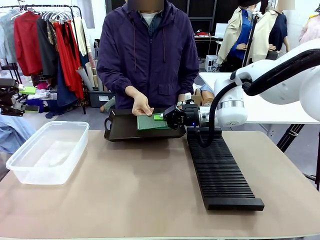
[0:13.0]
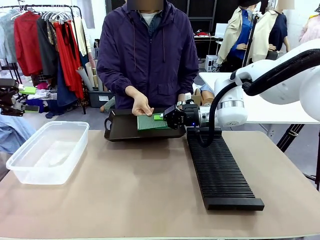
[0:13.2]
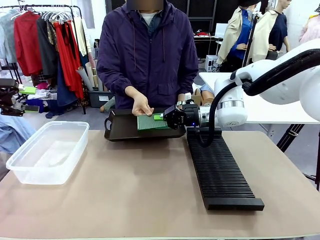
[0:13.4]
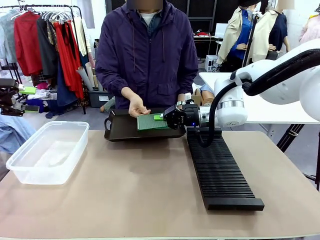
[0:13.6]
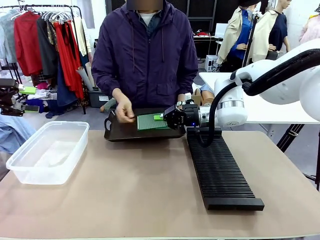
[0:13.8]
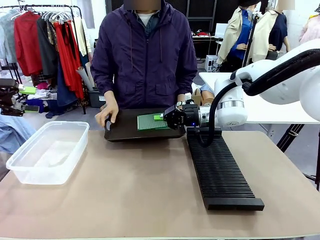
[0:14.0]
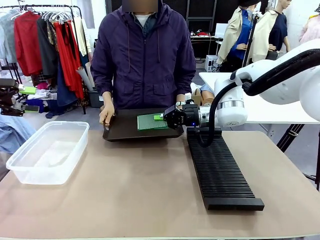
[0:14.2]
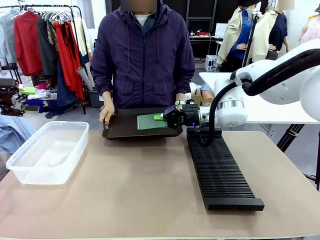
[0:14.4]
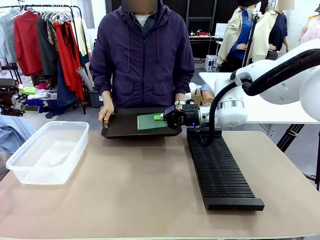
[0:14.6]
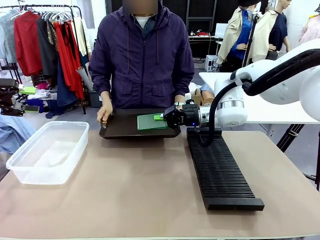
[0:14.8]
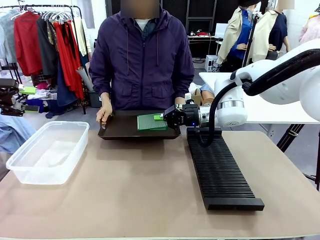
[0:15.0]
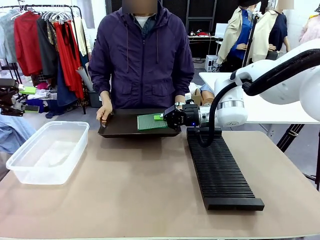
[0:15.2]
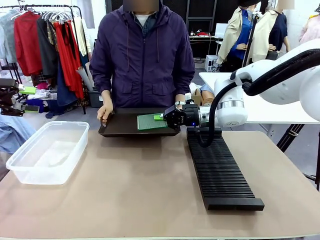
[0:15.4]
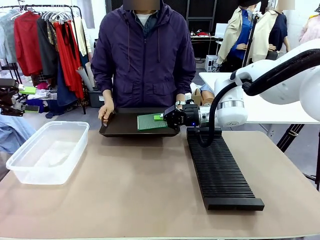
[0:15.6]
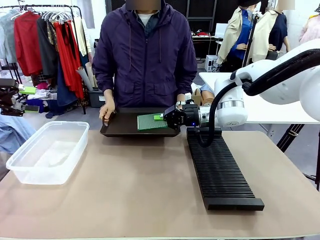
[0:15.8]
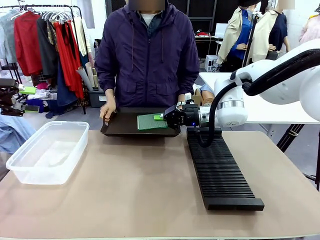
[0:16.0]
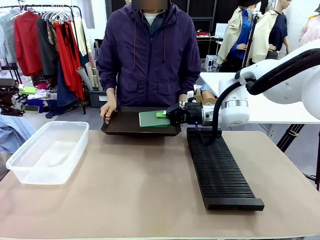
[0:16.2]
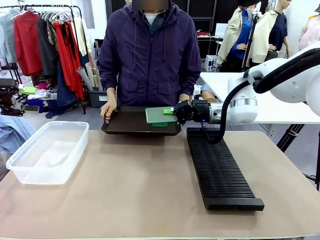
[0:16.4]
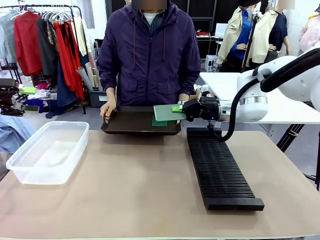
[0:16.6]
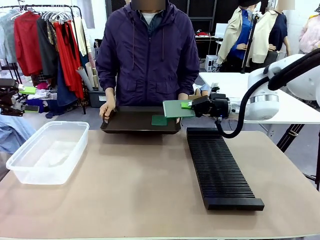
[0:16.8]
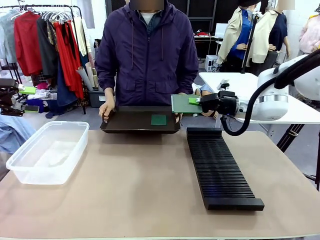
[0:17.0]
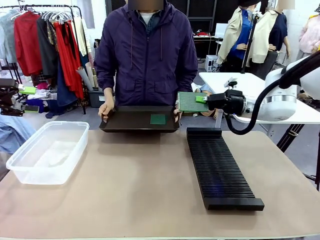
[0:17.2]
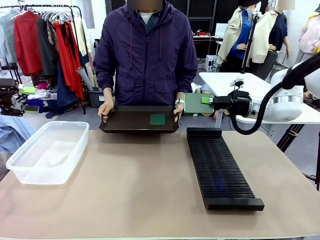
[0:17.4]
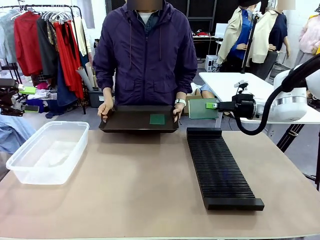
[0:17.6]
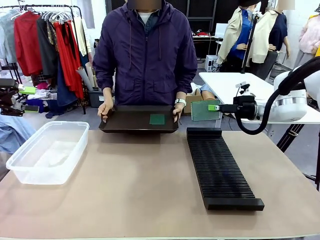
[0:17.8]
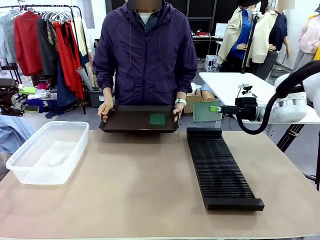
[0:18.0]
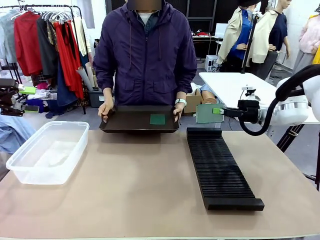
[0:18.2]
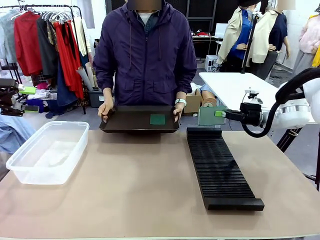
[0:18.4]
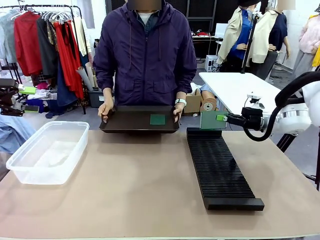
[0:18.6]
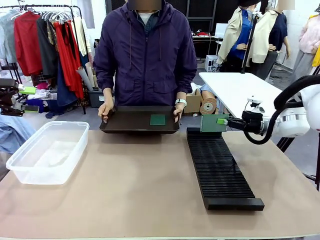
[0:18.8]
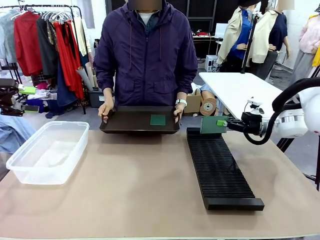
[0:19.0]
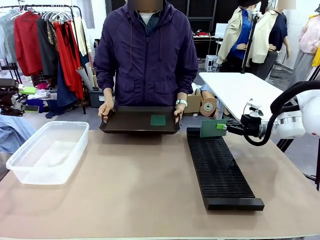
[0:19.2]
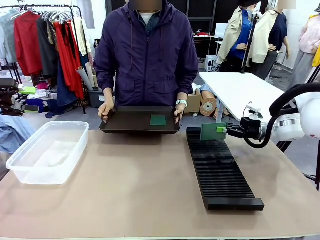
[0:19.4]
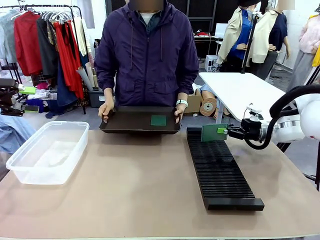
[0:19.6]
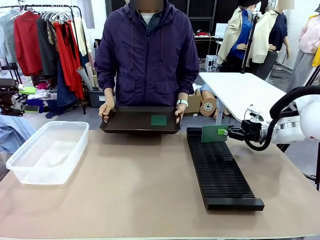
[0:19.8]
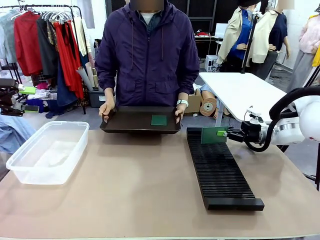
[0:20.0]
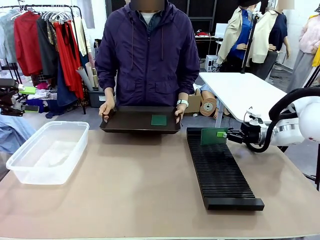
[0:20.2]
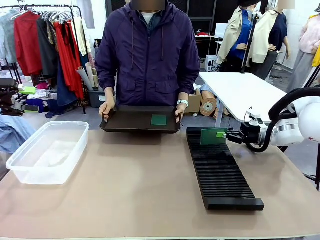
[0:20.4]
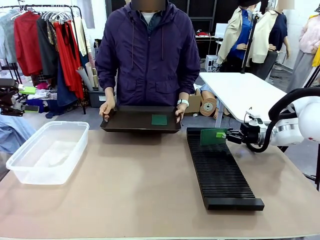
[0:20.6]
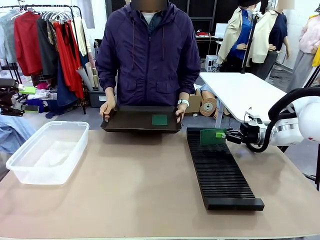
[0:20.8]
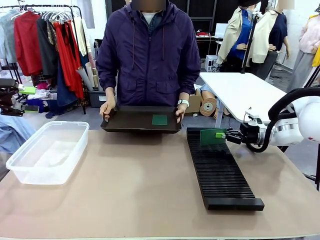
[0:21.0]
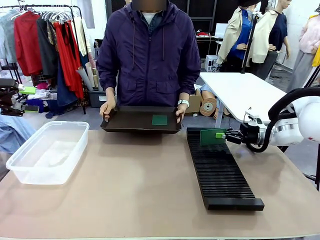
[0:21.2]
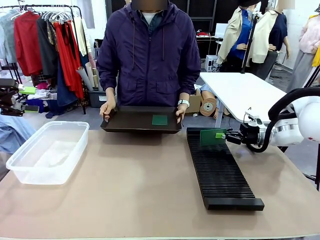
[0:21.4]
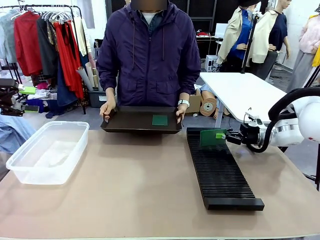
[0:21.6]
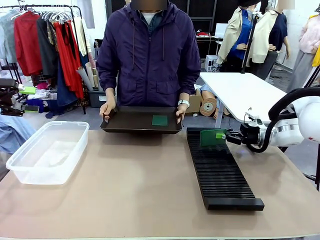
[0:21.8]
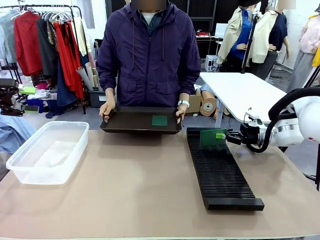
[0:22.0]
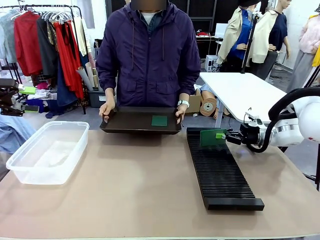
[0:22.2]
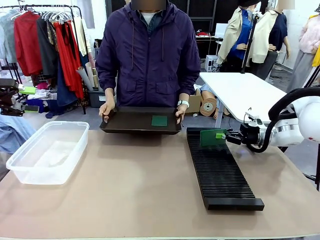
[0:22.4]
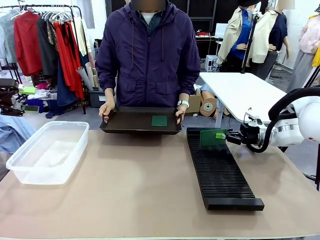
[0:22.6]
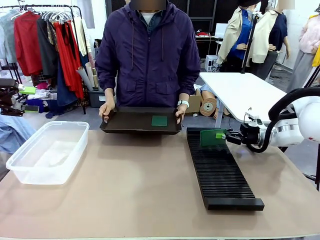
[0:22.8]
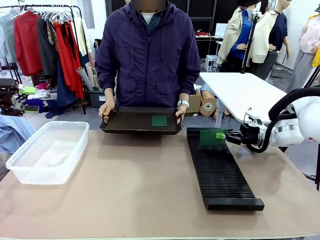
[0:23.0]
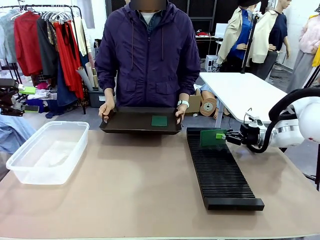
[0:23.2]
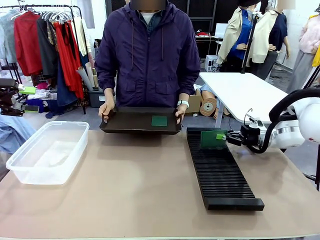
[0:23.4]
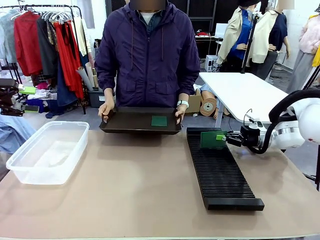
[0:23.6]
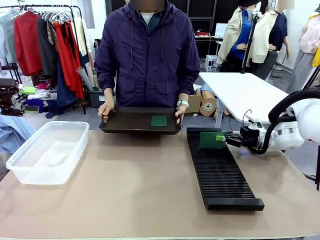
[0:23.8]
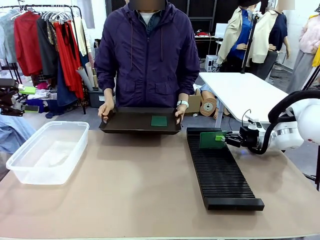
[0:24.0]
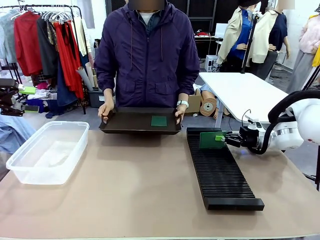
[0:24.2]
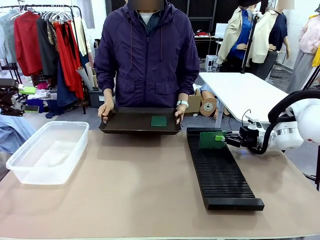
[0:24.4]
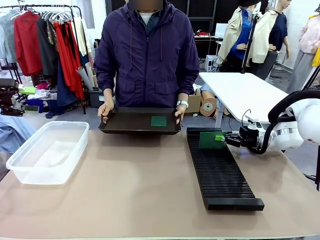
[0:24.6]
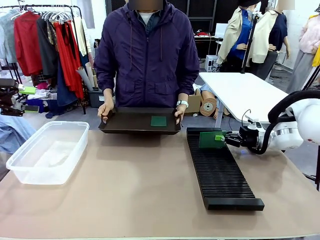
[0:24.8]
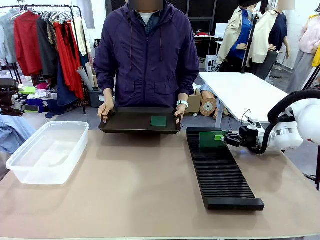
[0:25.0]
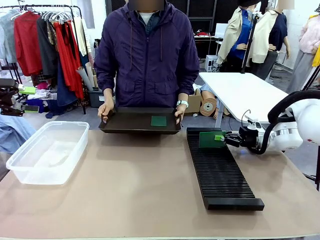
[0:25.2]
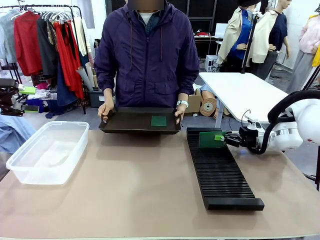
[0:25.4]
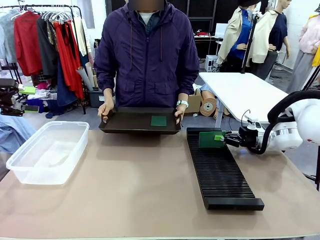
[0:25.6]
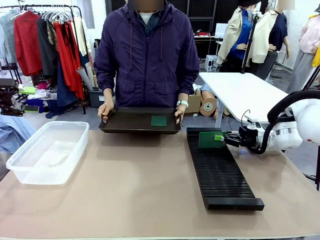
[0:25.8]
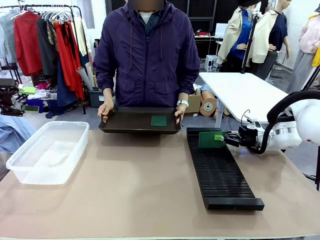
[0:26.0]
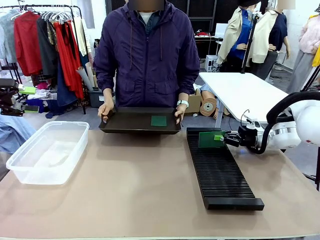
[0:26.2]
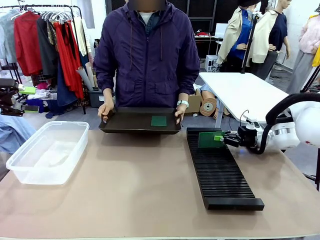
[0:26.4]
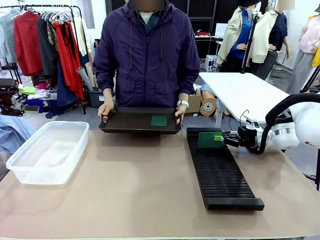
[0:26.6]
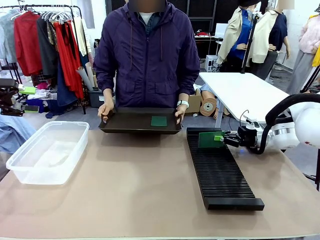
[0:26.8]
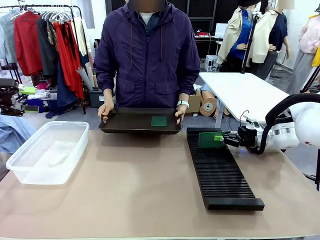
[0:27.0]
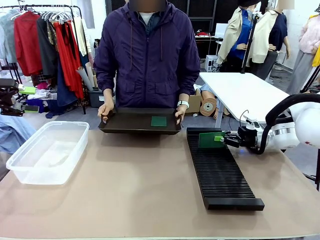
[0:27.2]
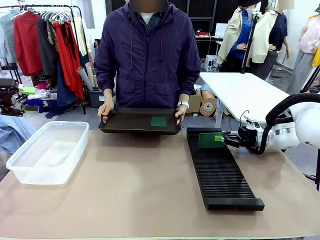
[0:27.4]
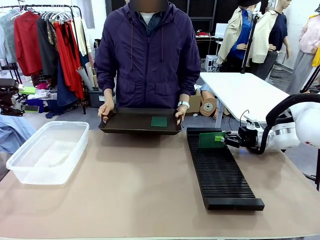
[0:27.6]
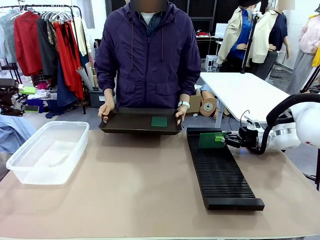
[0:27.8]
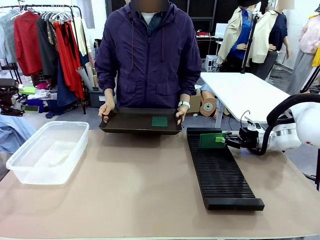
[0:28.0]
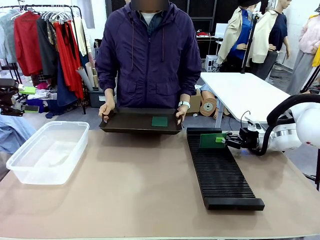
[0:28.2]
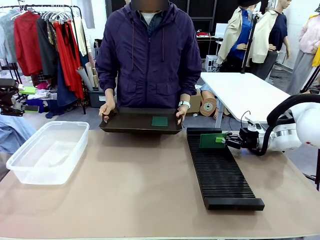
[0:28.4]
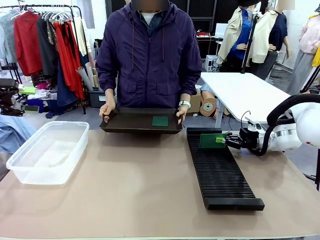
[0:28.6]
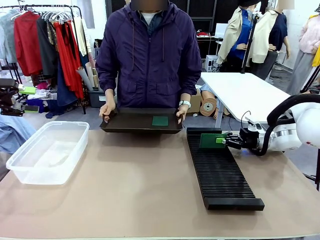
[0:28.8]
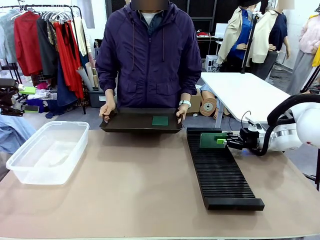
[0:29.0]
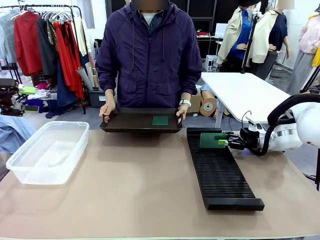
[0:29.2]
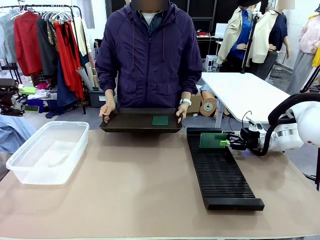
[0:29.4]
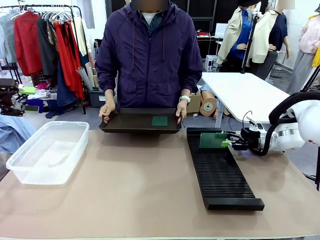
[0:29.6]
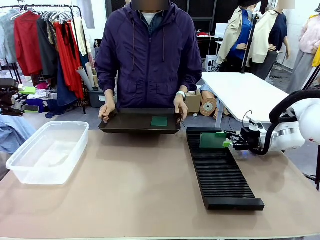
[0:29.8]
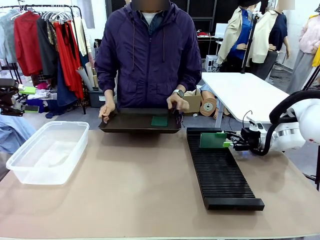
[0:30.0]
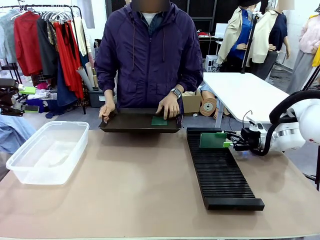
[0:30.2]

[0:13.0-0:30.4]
Task: Sort PCBs into racks and boxes based on the side picked up.
Robot: If the short side of the Blank PCB is picked up, insert it into the PCB Rack ; if the long side is picked up, place it in the Organizing box.
Person: Pick one PCB from the tray and present it to the robot.
